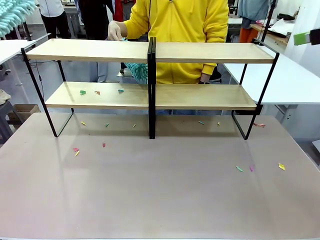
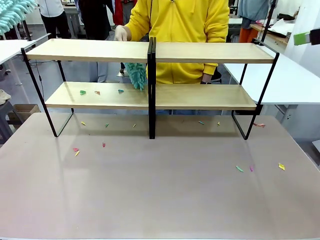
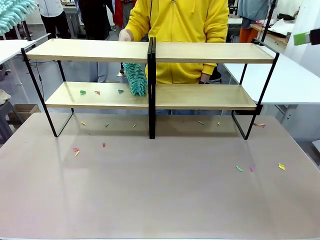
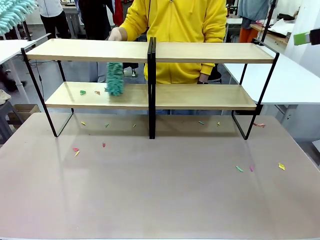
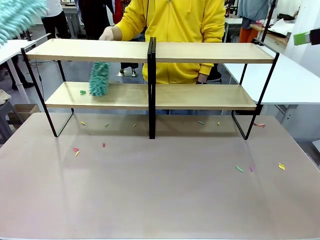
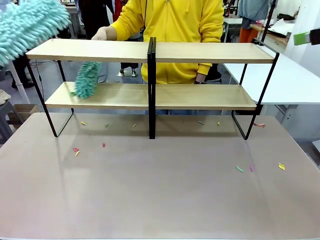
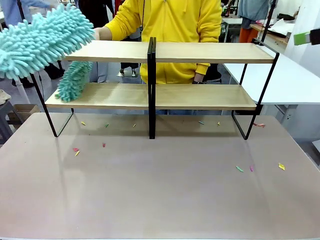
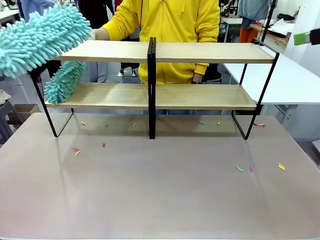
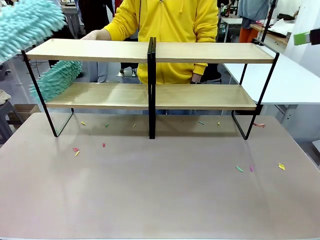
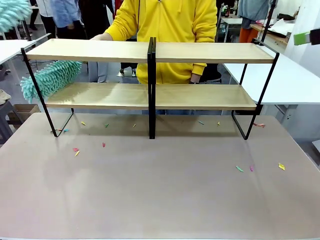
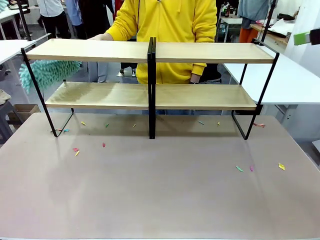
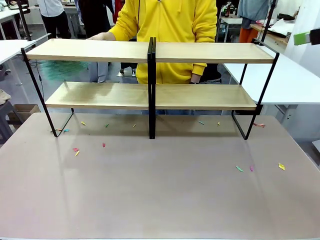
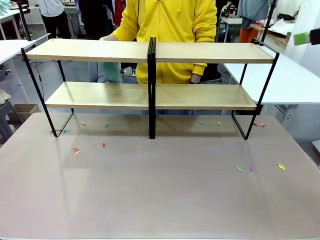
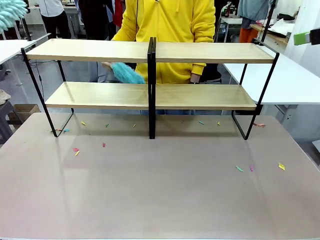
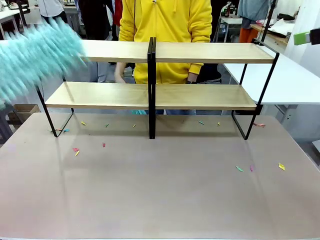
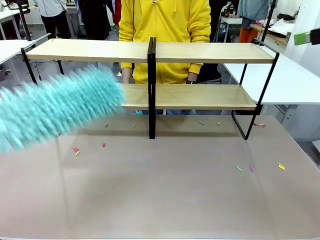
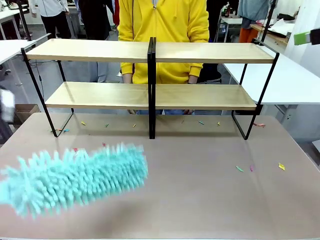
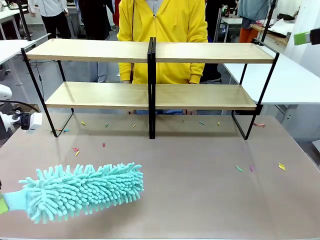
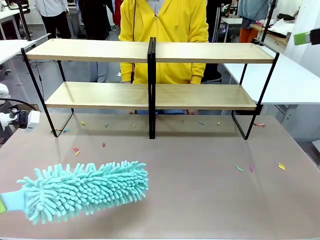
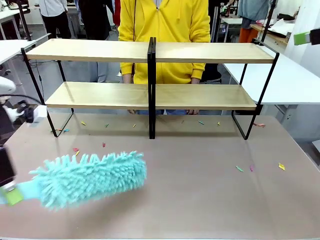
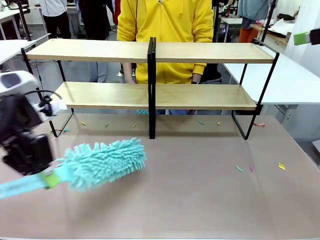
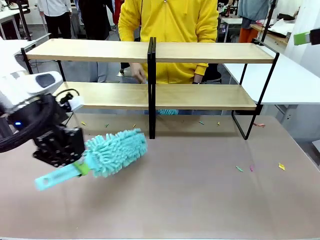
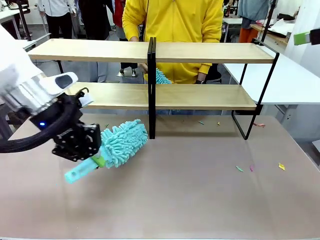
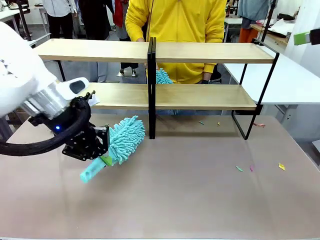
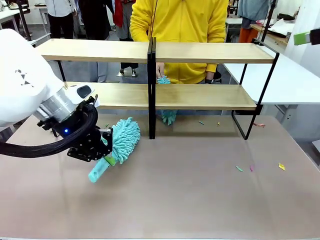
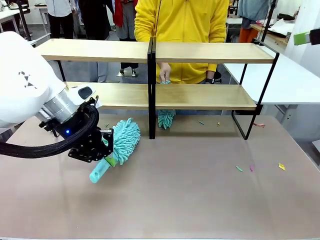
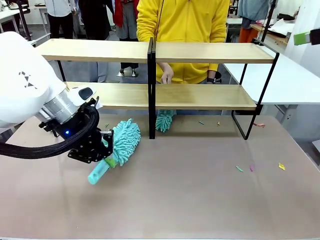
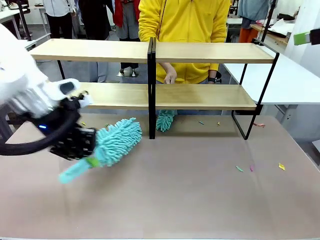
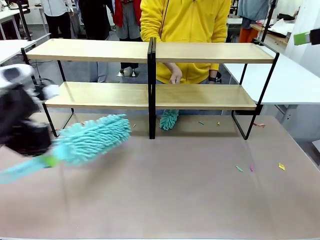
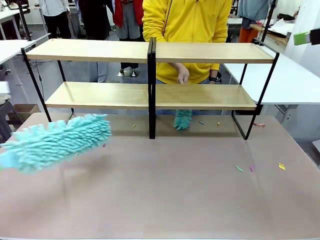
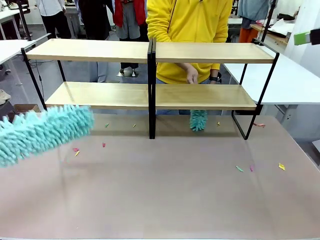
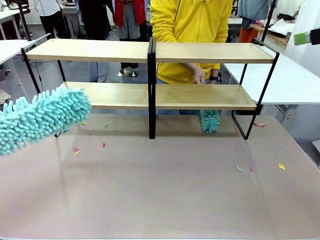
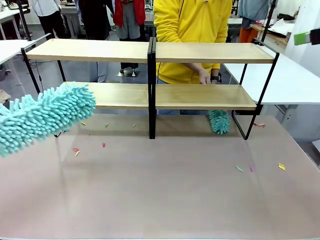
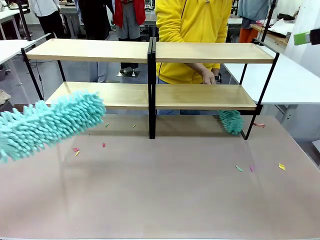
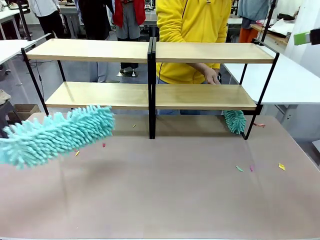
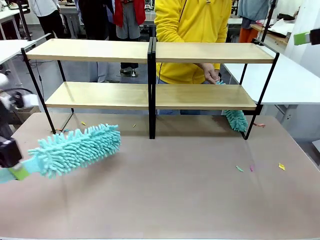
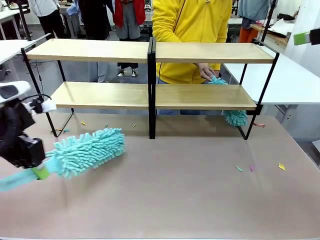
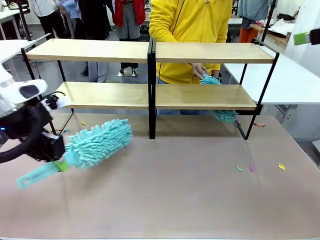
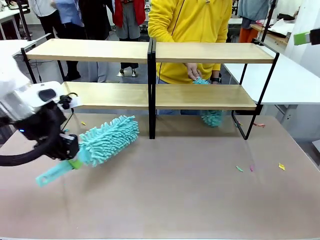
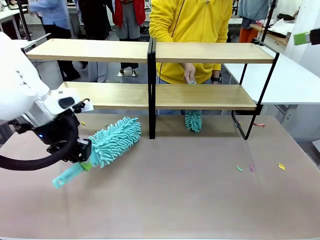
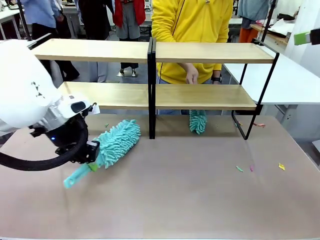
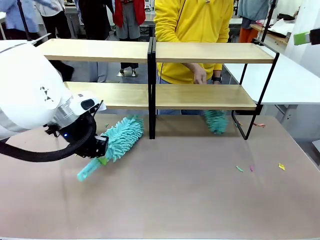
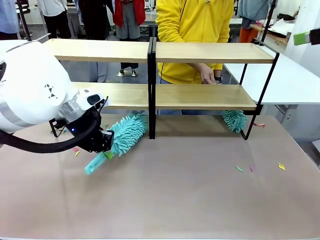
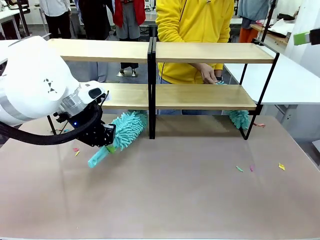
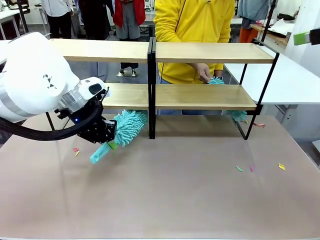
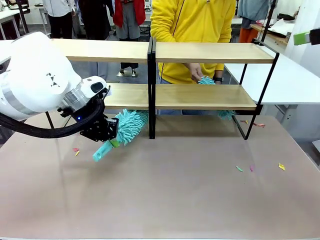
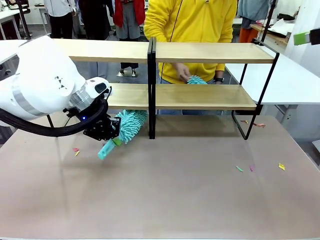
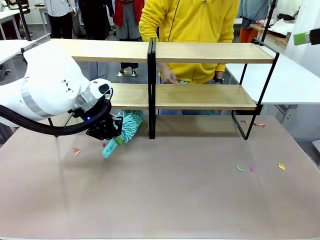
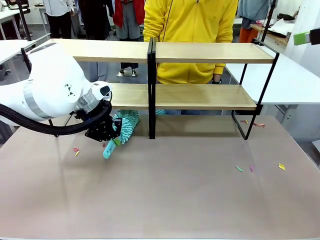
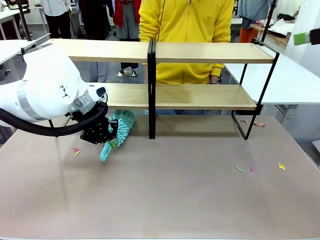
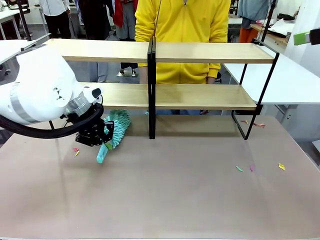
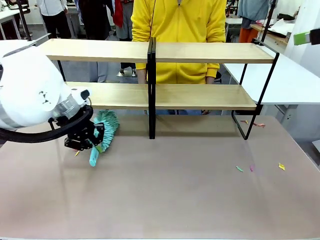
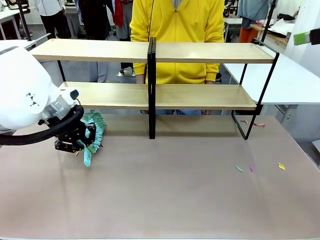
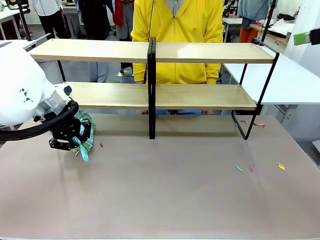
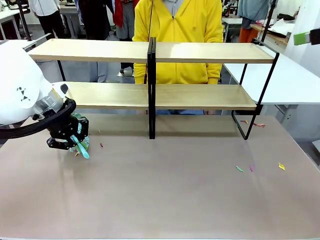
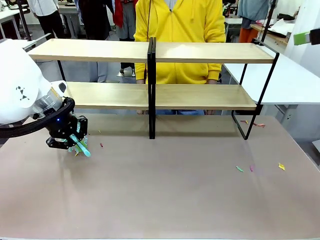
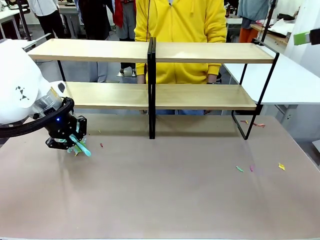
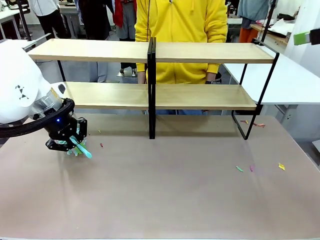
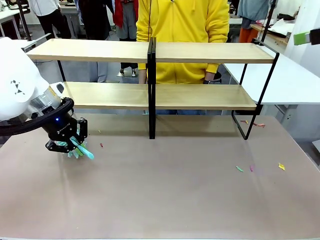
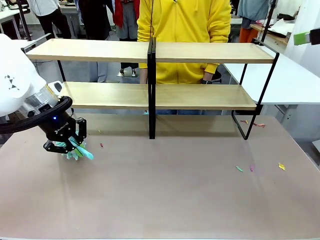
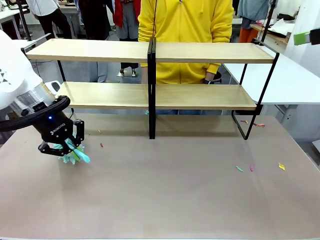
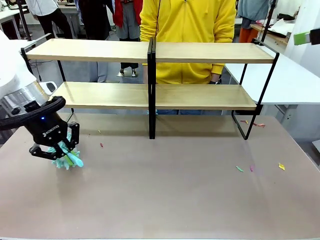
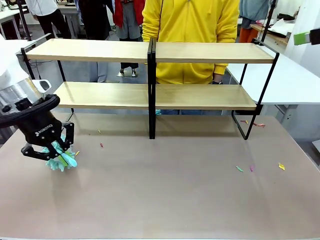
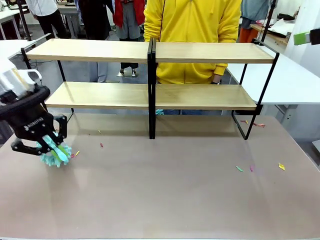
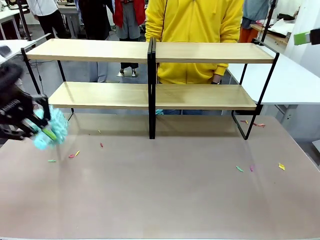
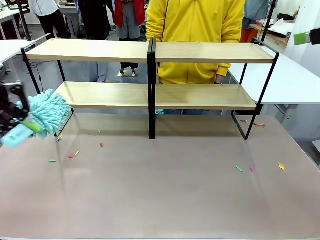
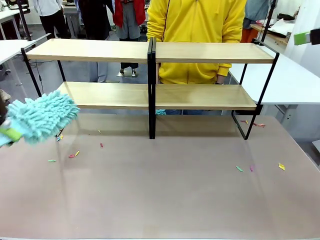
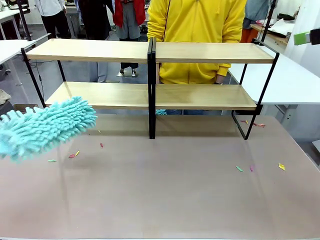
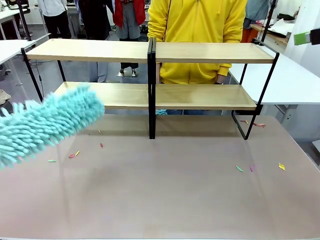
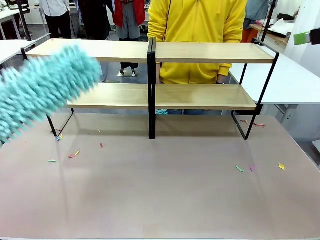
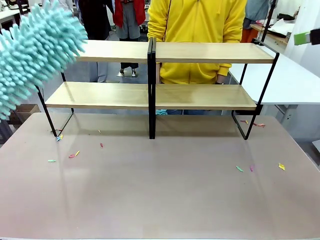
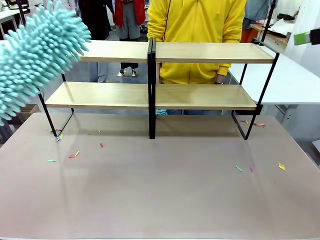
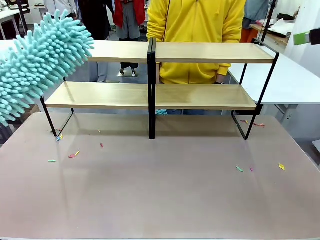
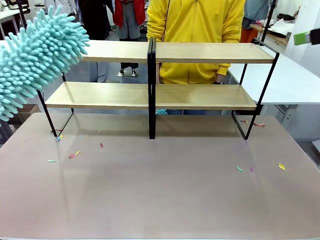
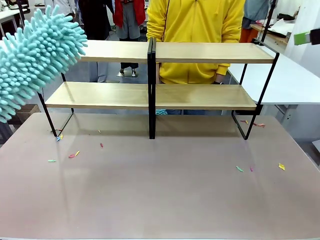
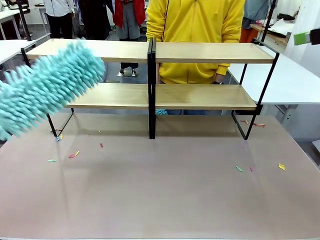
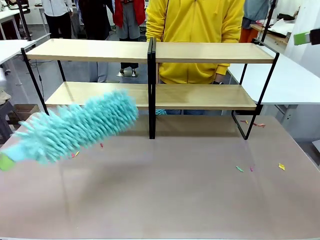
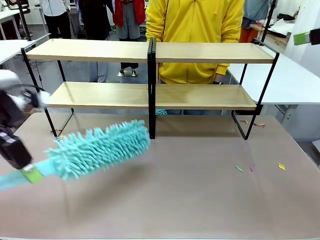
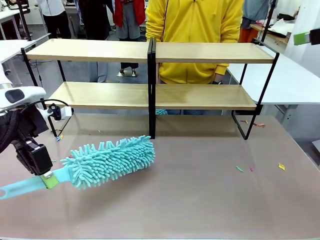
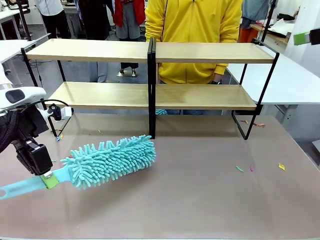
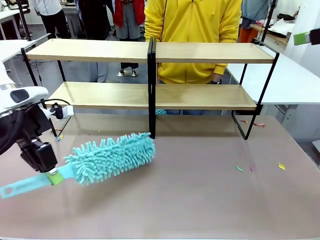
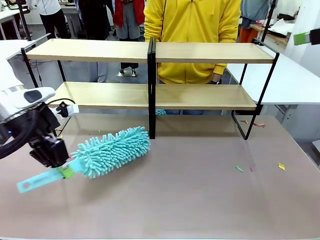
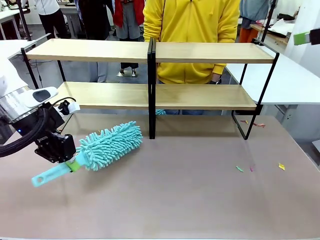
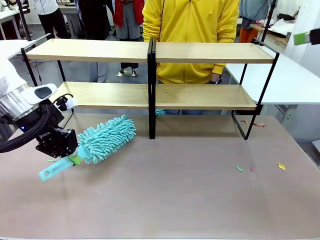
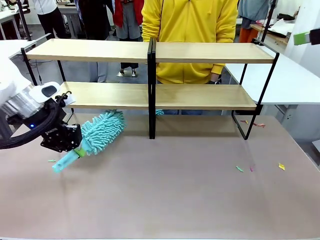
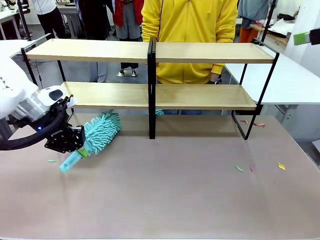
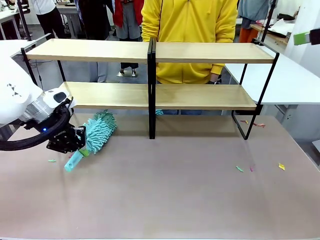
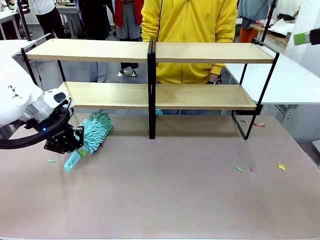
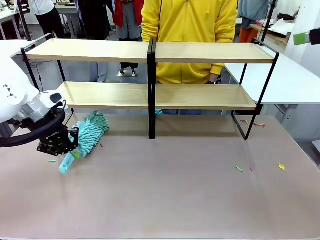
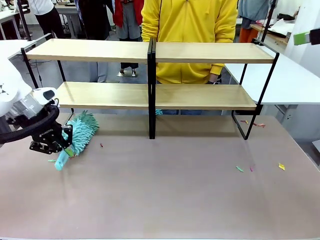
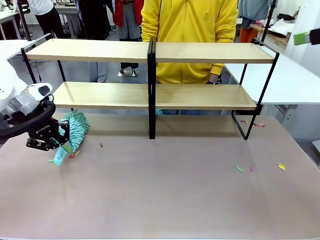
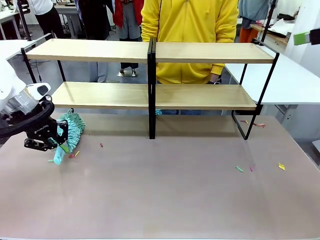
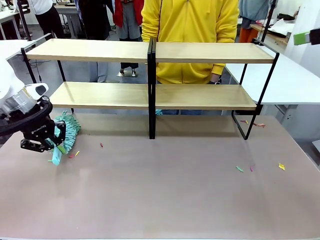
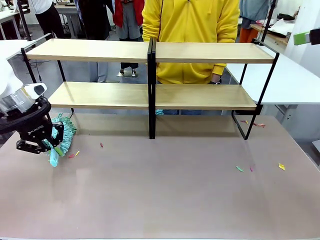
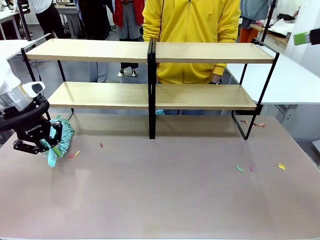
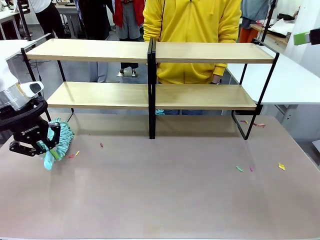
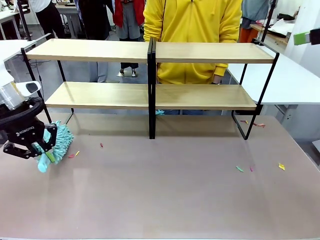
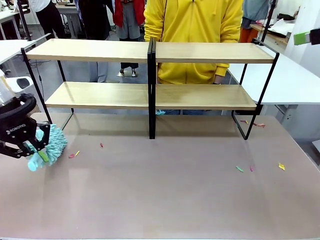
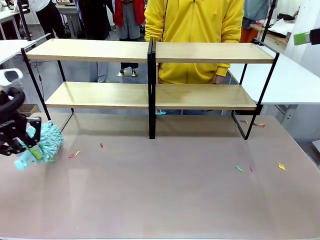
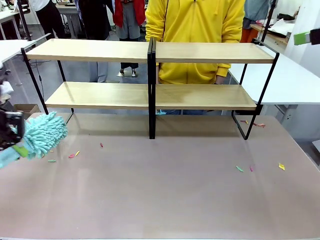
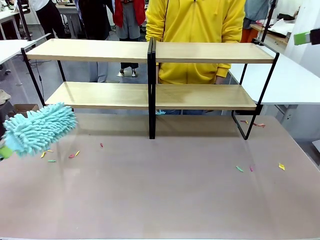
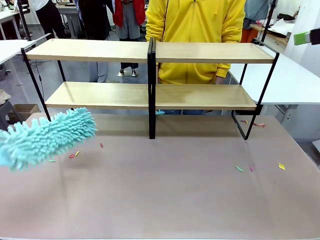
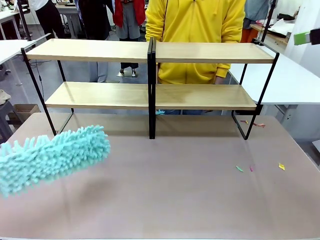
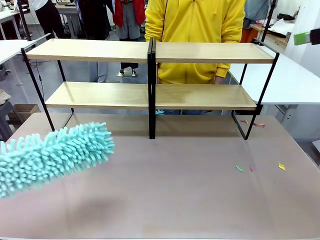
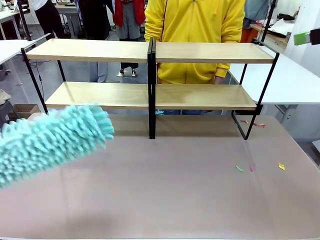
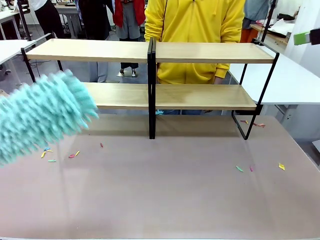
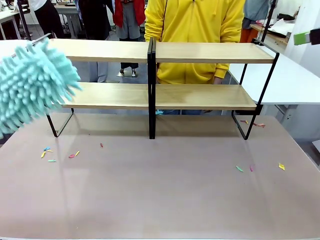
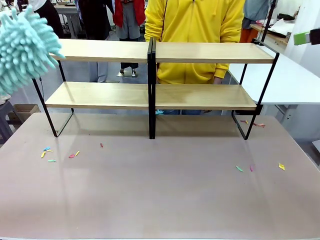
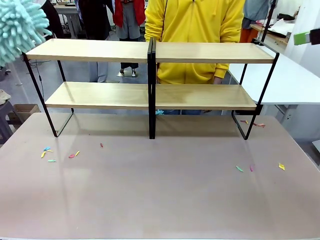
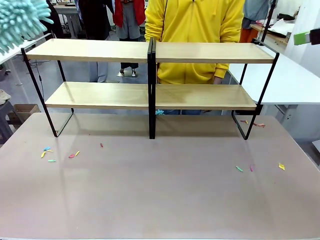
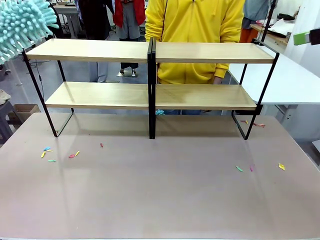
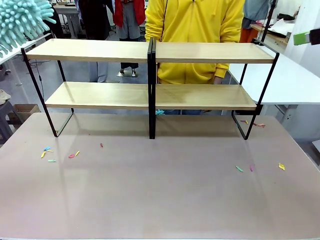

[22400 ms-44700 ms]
Task: Clean the shelves.
Robot: Clean another randomly selected level of the Shelf with the Duster.
Person: Clean a randomly selected level of the Shelf with the Duster.
